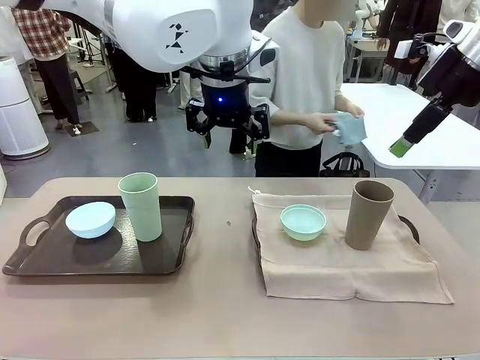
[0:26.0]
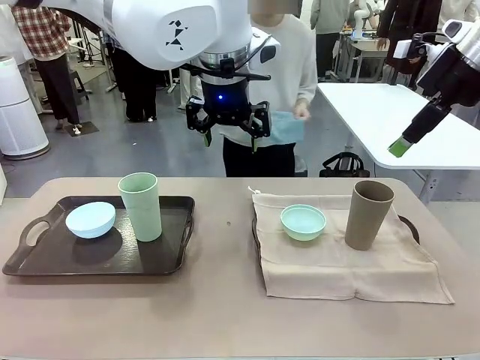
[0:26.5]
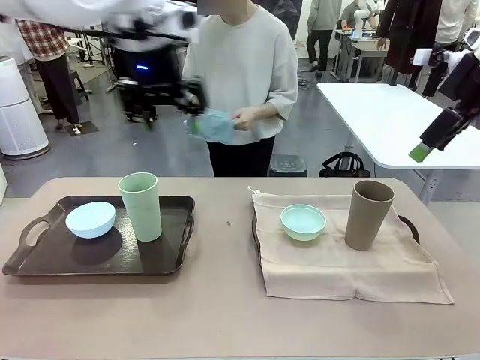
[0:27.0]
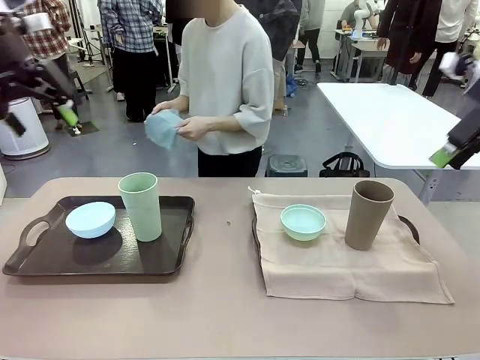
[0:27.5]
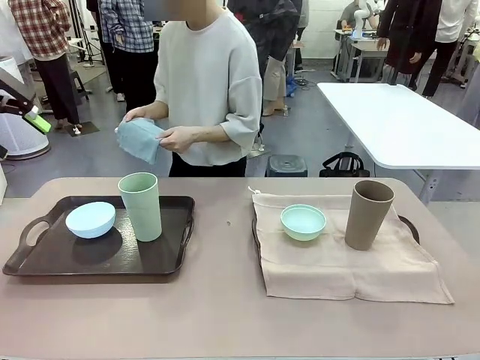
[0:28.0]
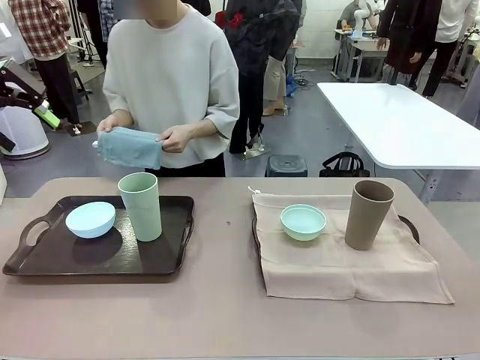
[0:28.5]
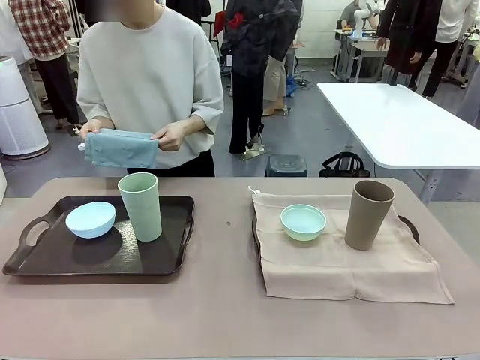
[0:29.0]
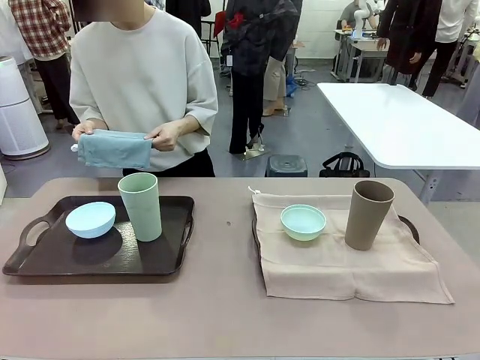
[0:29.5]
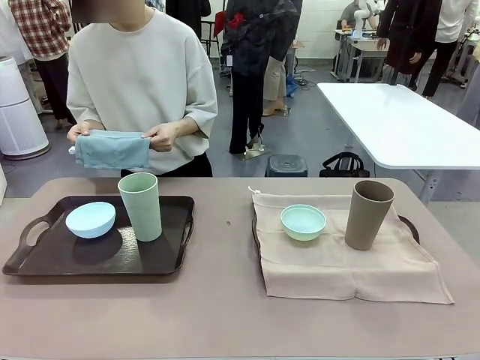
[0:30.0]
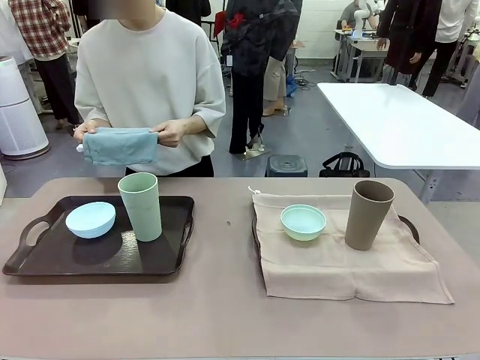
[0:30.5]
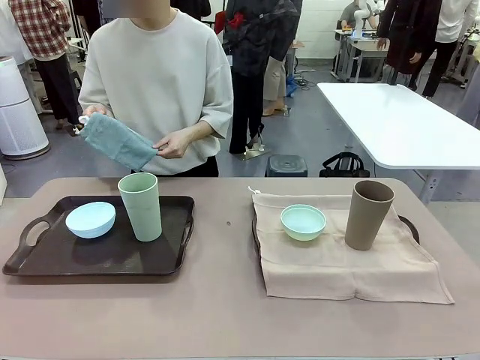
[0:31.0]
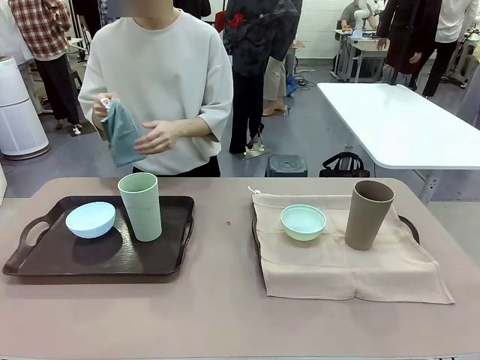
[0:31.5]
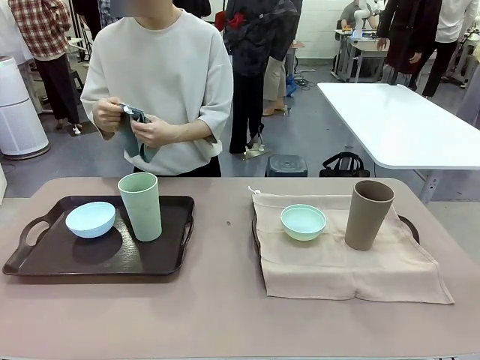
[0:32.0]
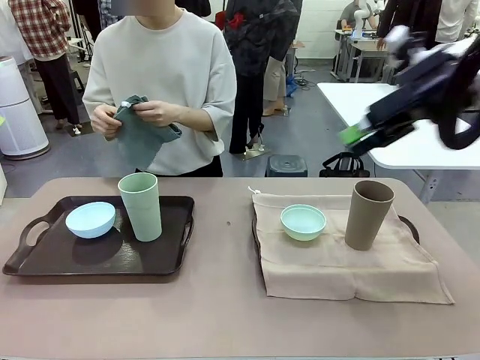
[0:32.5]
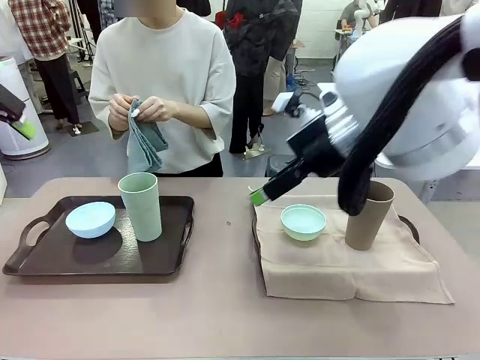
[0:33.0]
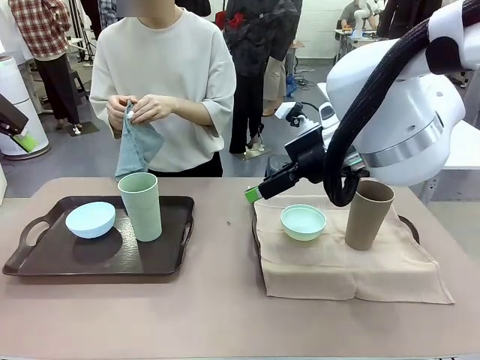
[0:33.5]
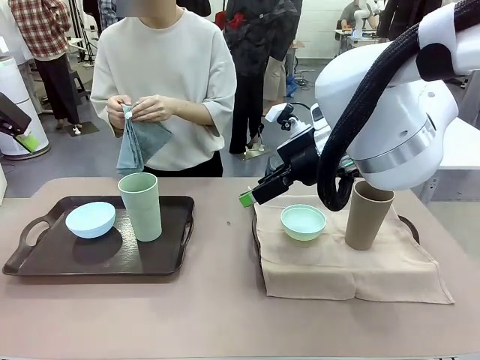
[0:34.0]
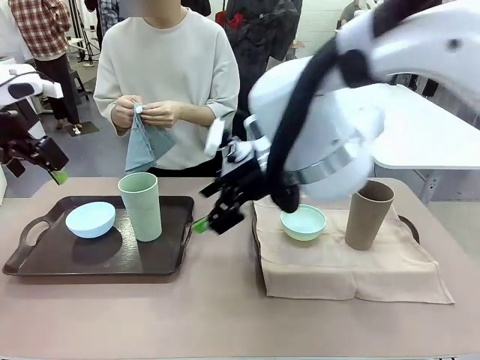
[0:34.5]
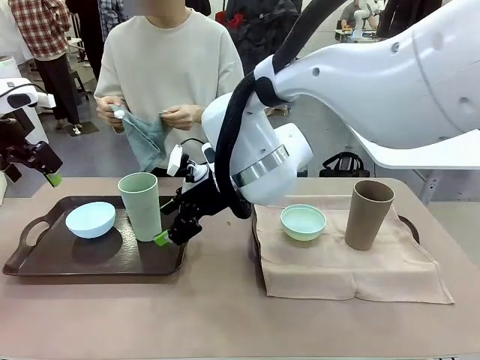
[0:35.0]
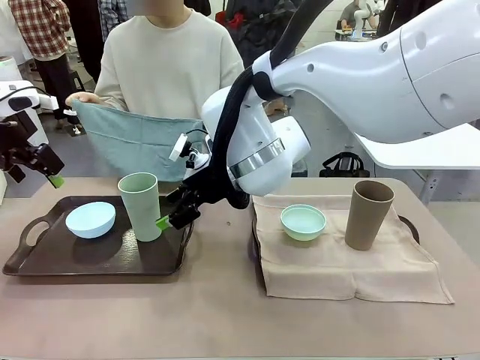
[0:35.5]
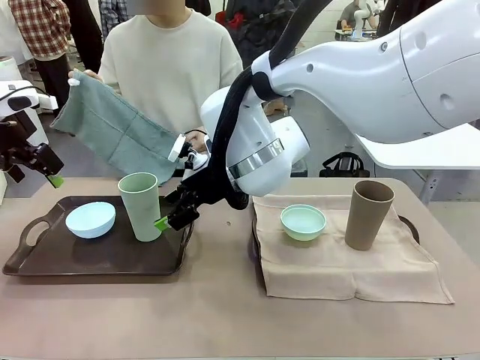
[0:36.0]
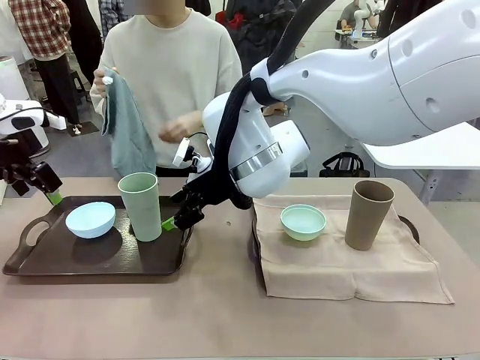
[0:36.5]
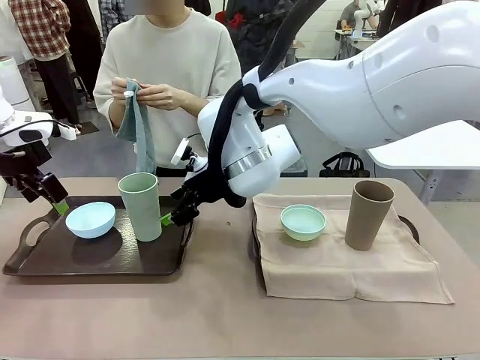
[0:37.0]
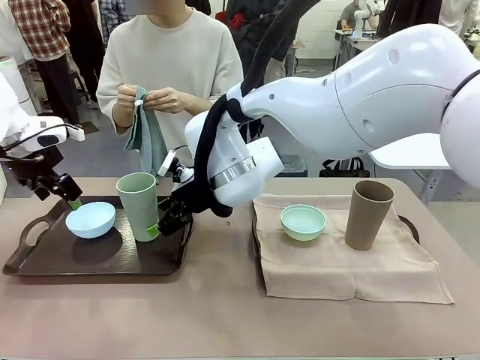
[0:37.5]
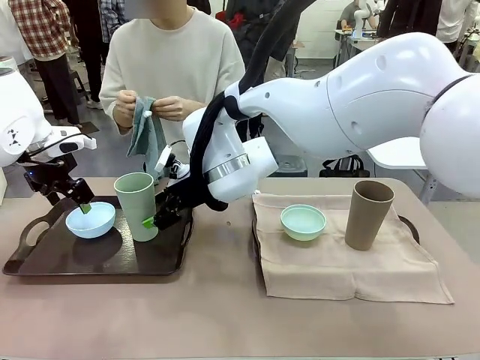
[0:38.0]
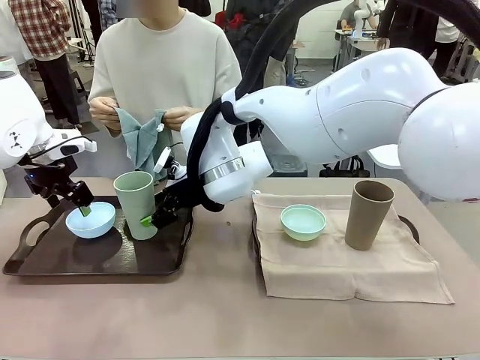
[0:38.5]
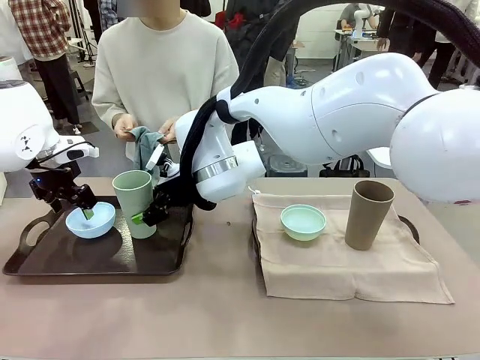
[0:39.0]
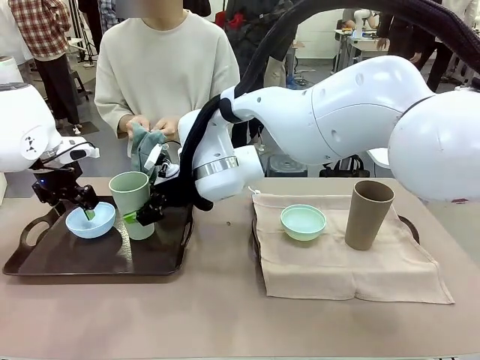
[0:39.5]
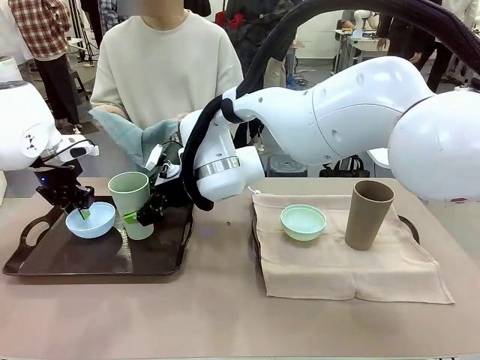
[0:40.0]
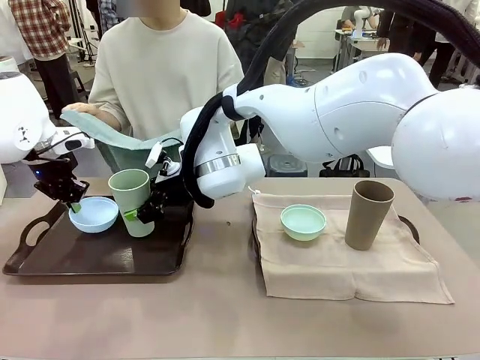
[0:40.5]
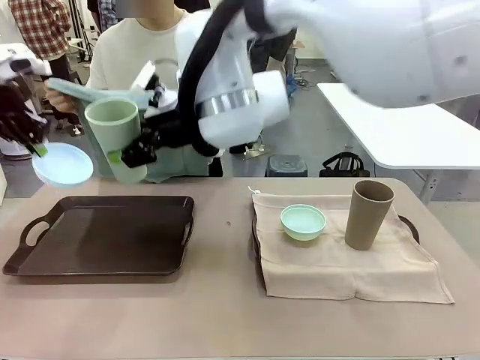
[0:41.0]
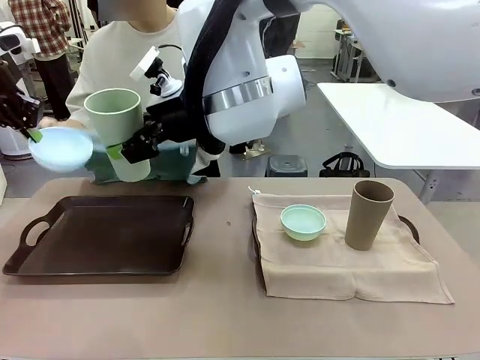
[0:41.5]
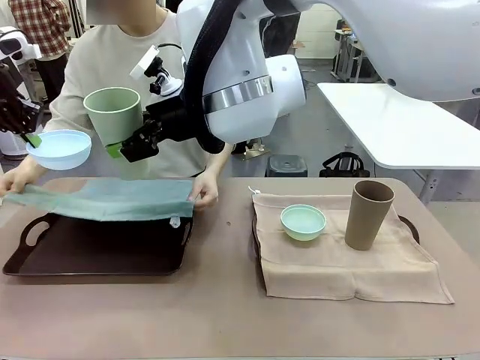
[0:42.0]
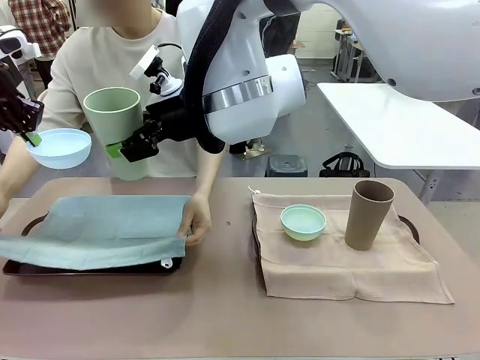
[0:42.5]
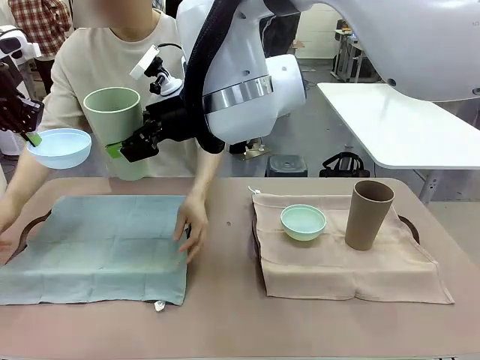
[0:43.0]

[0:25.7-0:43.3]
Robot: Pick up the Picnic Bowl and Reusable plastic cup from the Handle tray in front of the human's position and hold them in the air.
Person: When the robot lifts the bowl and the cup, the human unfolds the napkin and lays the napkin flat on the tray.

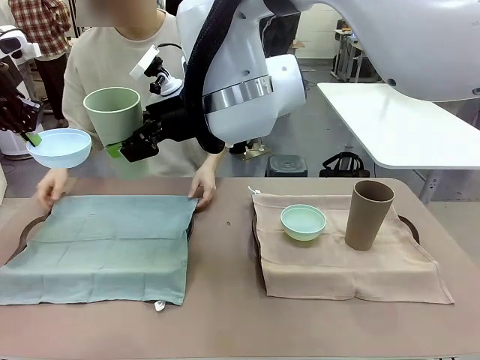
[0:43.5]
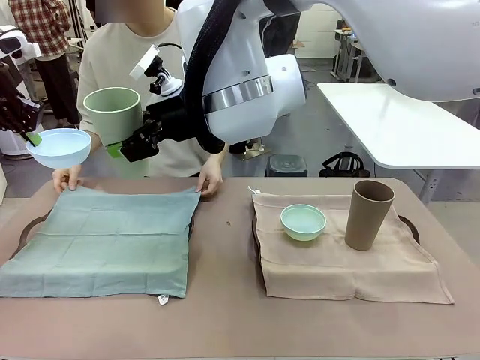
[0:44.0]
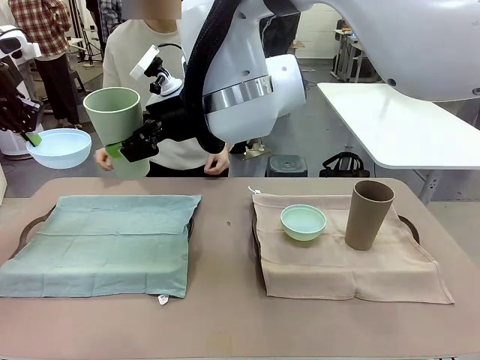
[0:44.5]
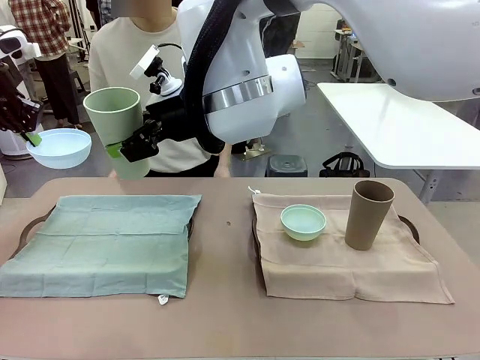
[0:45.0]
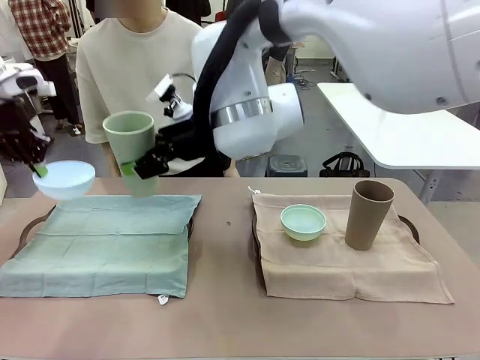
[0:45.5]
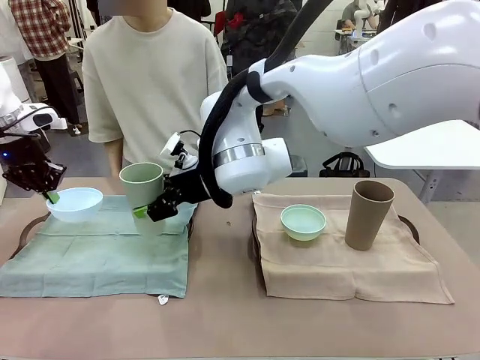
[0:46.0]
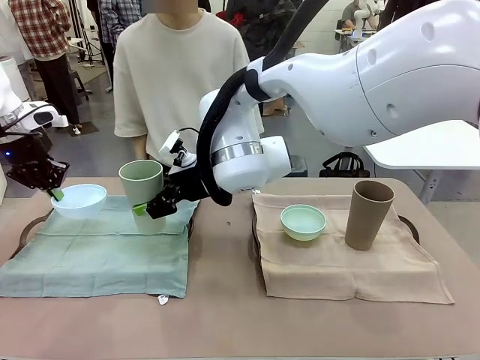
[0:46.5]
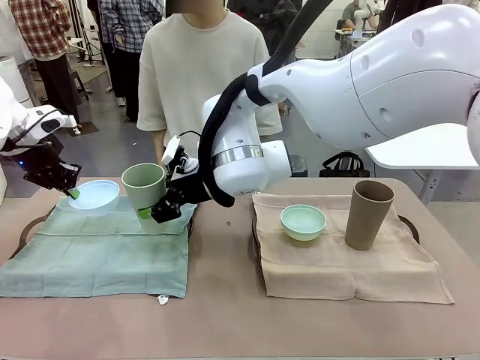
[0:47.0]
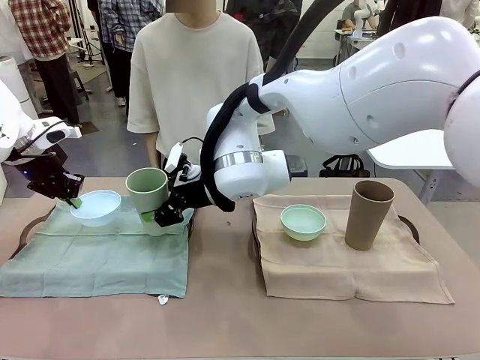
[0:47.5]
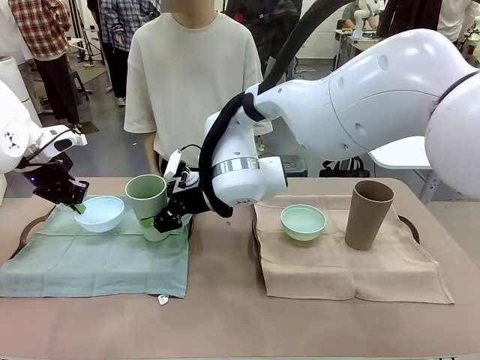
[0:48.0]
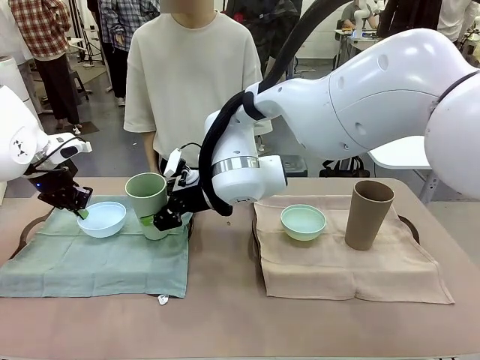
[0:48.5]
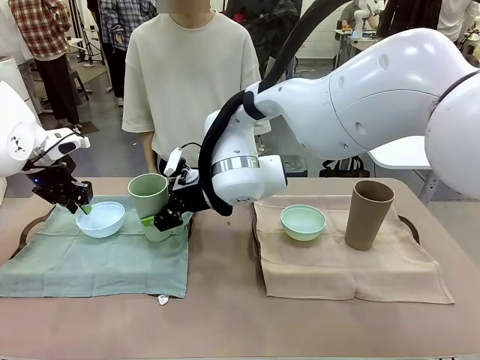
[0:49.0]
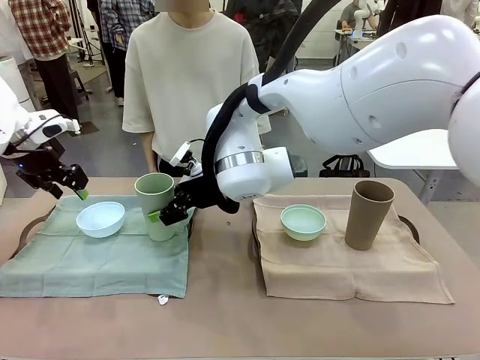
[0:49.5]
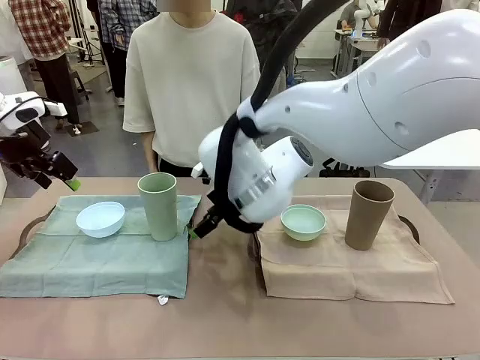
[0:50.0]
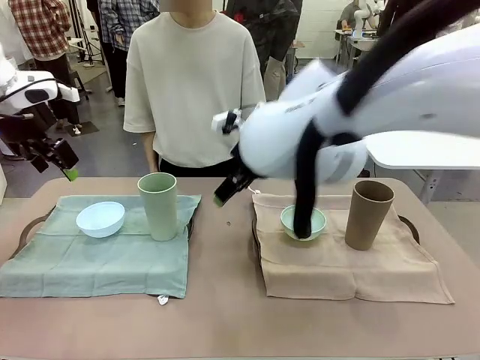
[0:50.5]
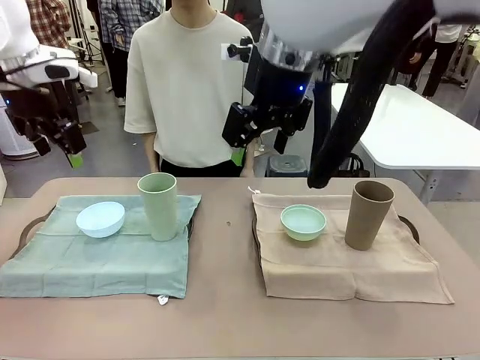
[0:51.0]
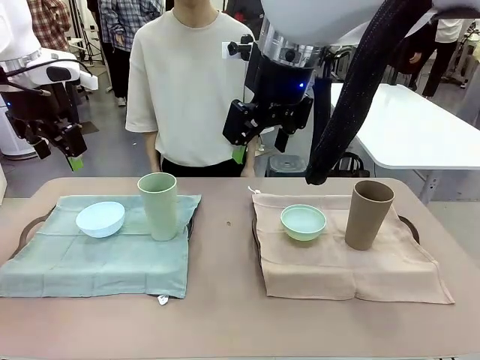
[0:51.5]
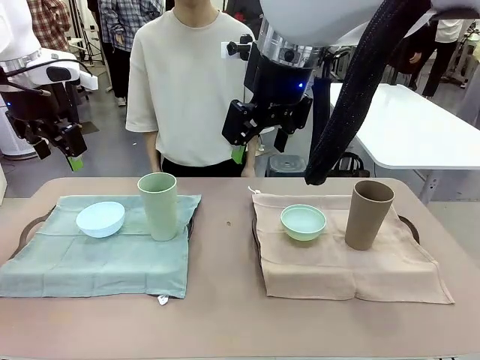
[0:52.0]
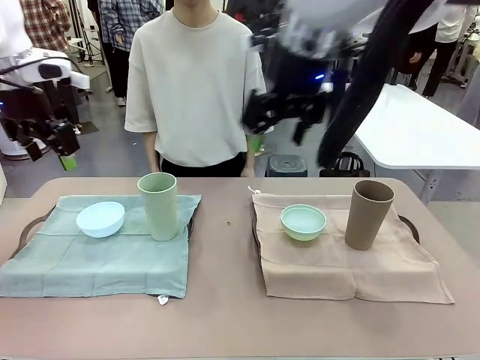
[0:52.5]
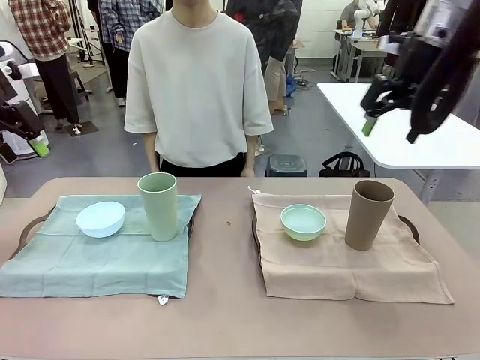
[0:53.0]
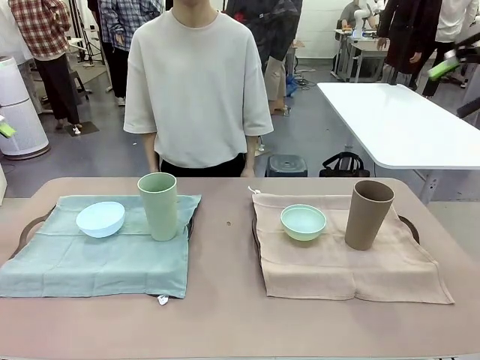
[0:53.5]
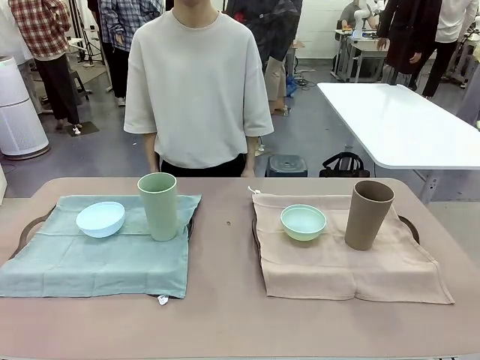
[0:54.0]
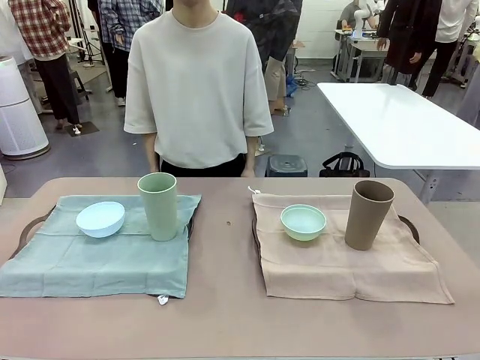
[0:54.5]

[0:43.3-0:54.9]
Robot: Place the Picnic Bowl and Reusable plastic cup back onto the Handle tray in front of the human's position.
